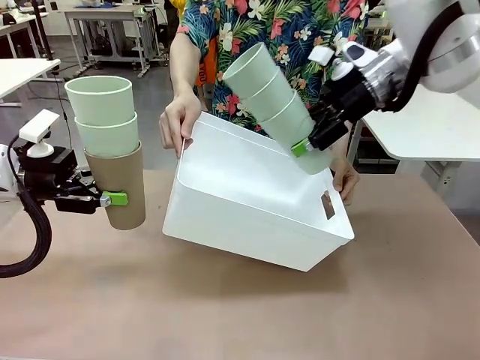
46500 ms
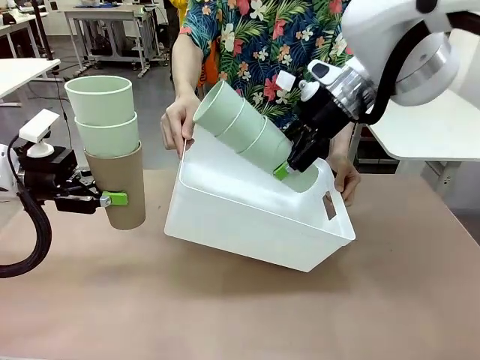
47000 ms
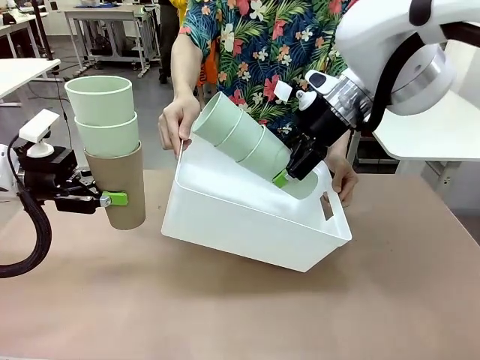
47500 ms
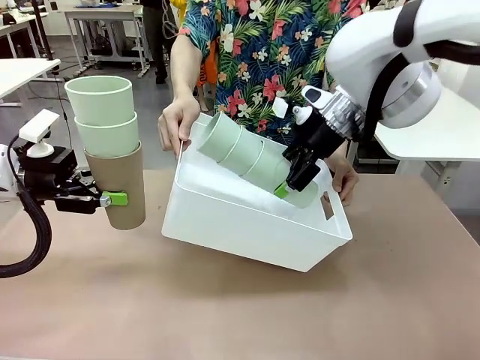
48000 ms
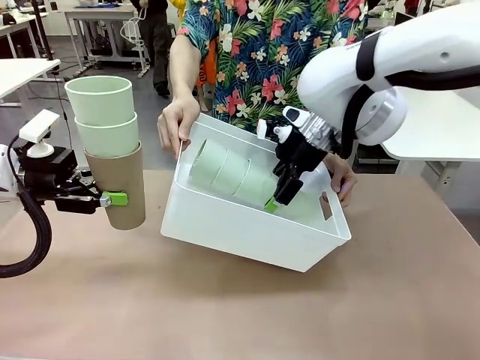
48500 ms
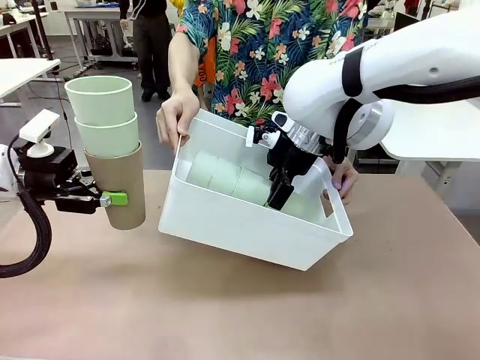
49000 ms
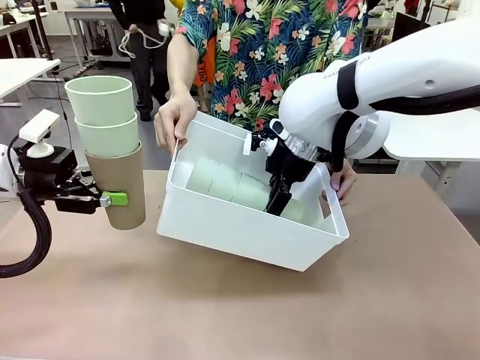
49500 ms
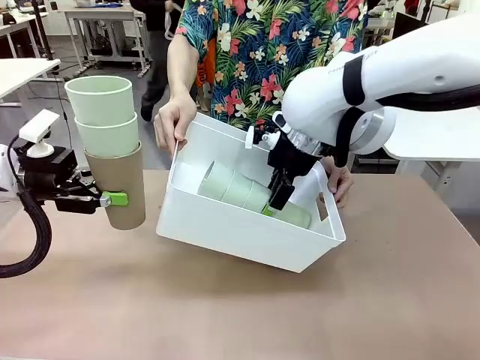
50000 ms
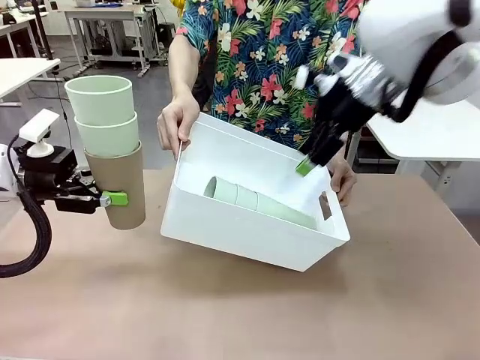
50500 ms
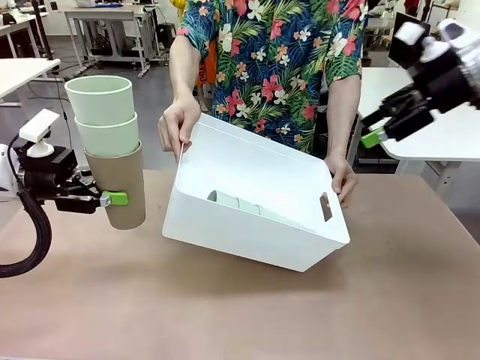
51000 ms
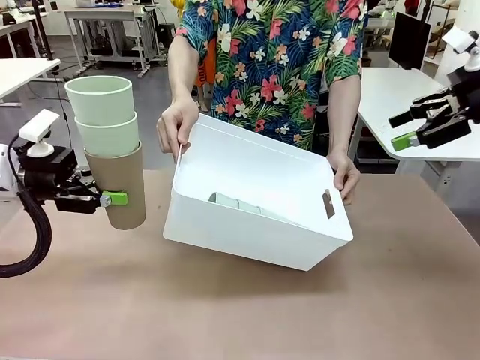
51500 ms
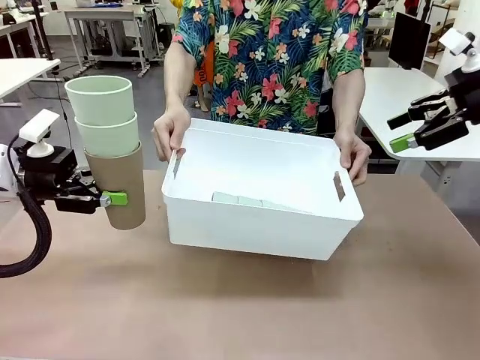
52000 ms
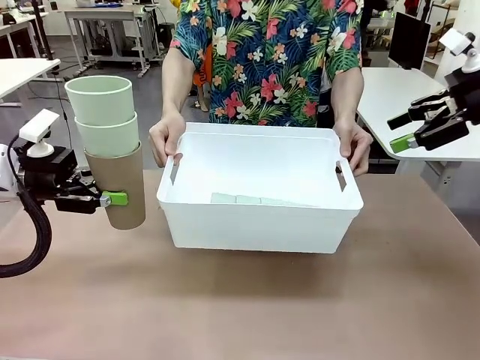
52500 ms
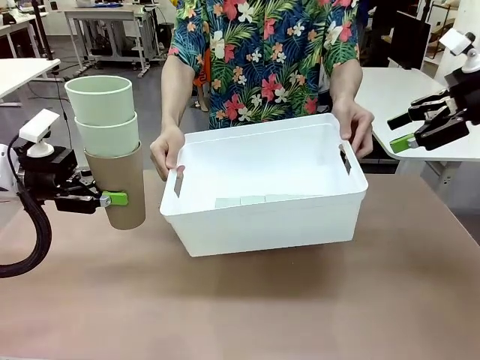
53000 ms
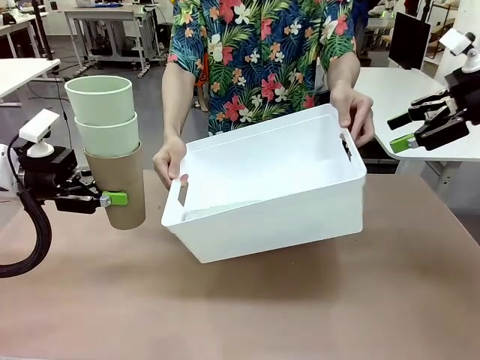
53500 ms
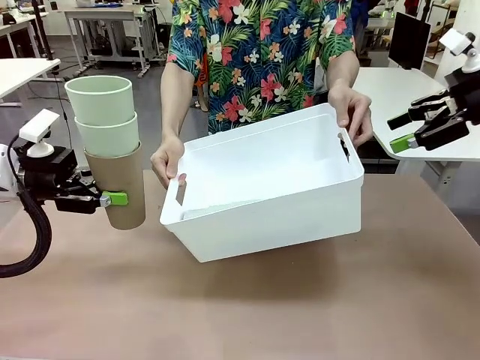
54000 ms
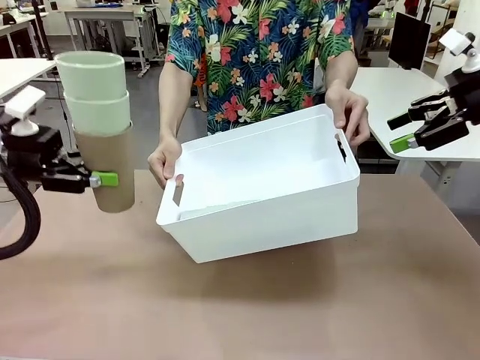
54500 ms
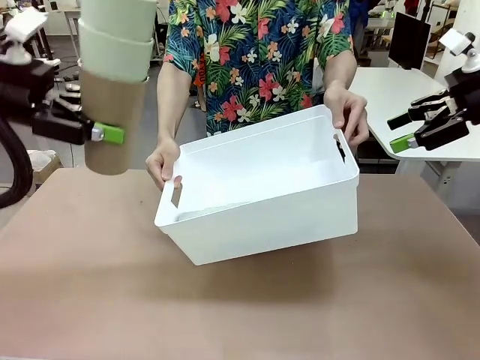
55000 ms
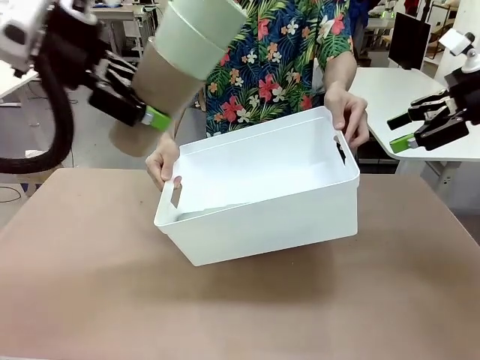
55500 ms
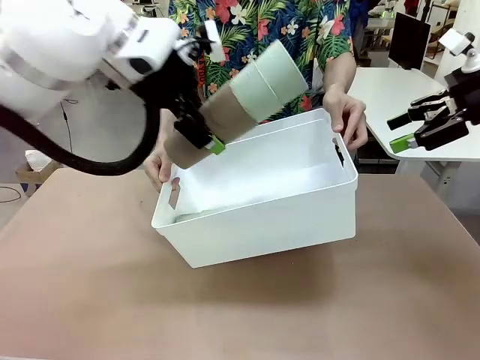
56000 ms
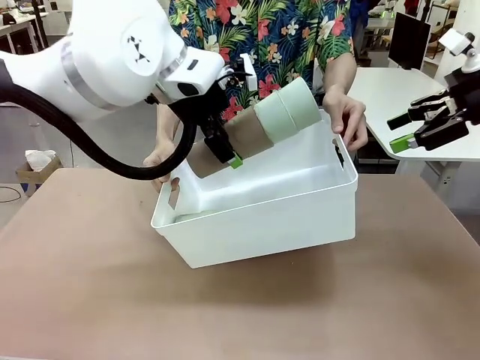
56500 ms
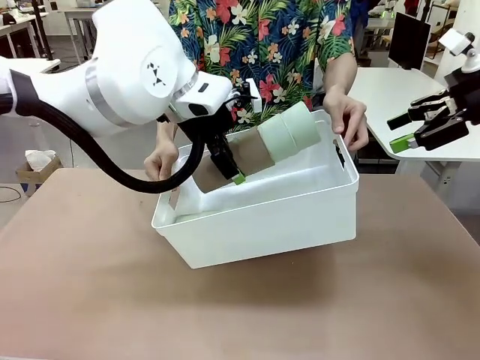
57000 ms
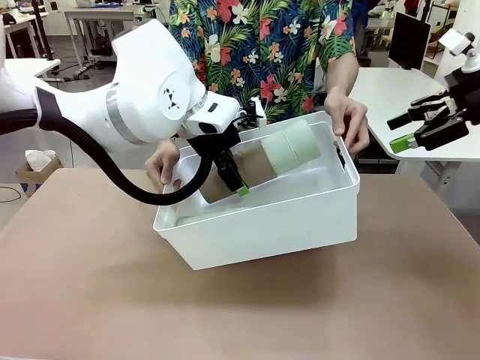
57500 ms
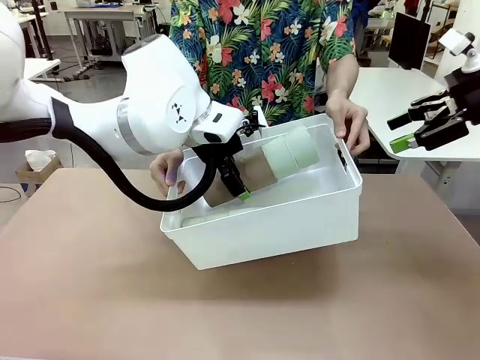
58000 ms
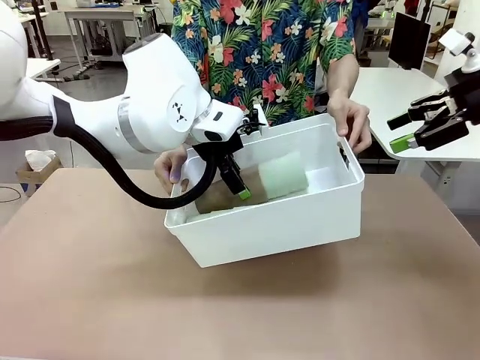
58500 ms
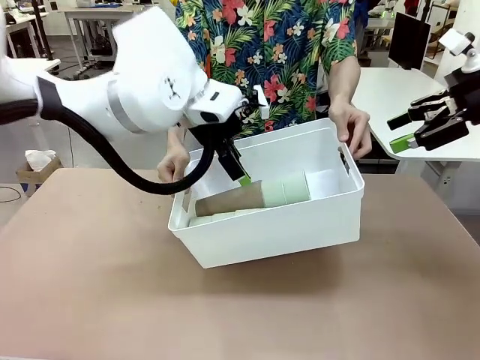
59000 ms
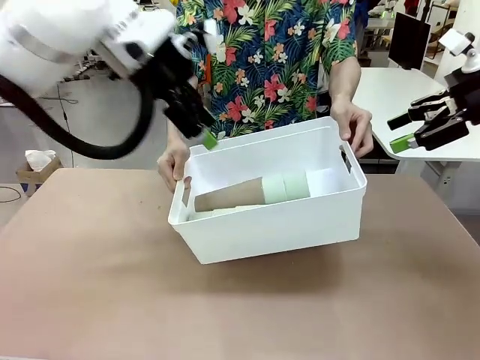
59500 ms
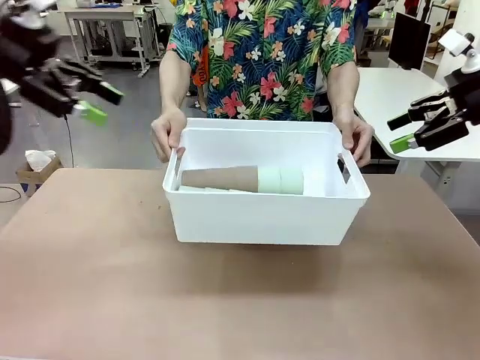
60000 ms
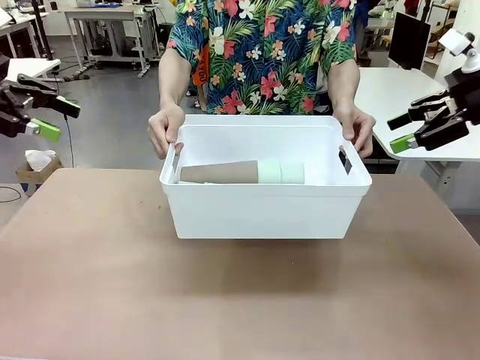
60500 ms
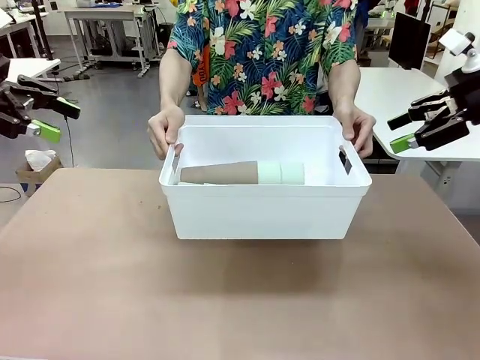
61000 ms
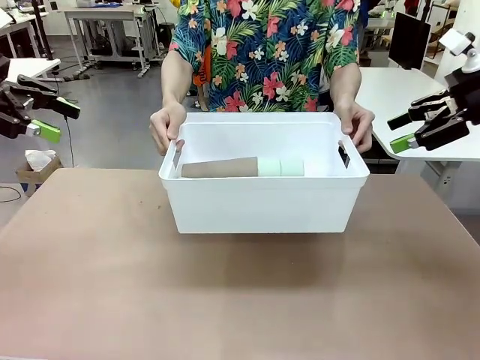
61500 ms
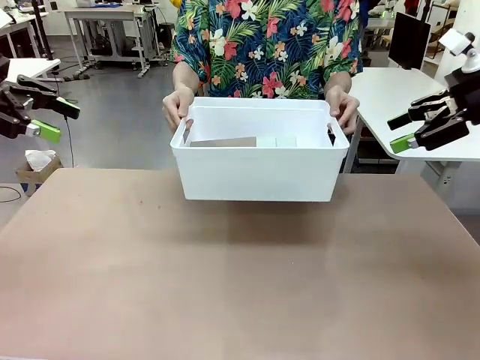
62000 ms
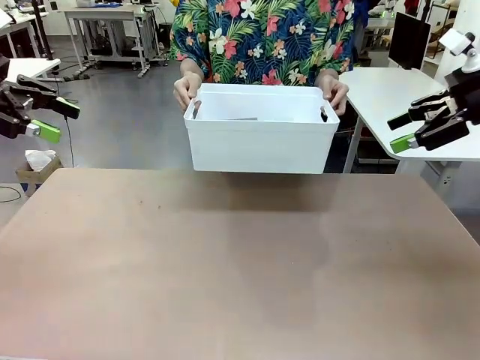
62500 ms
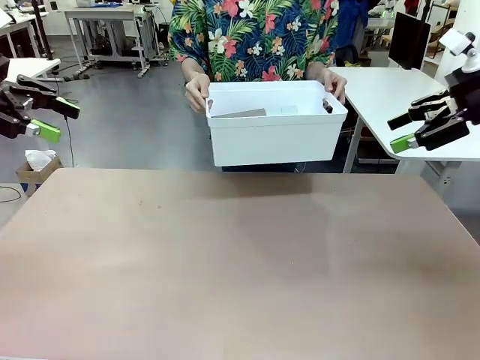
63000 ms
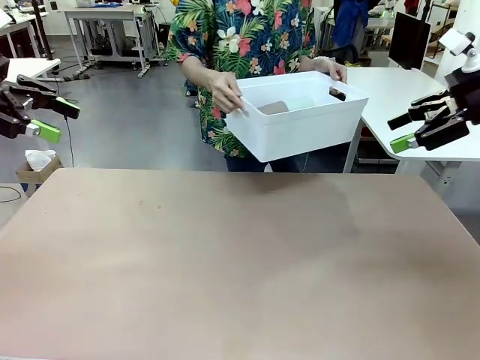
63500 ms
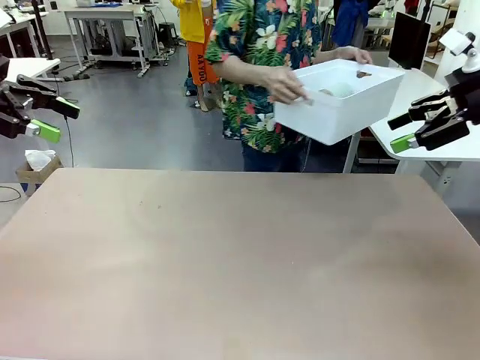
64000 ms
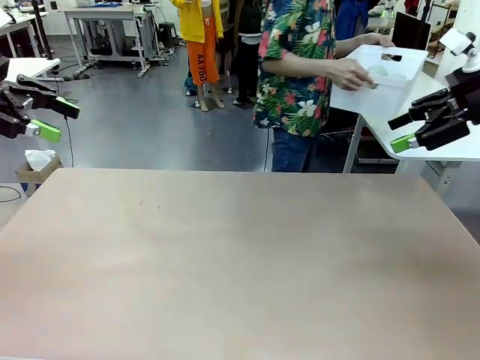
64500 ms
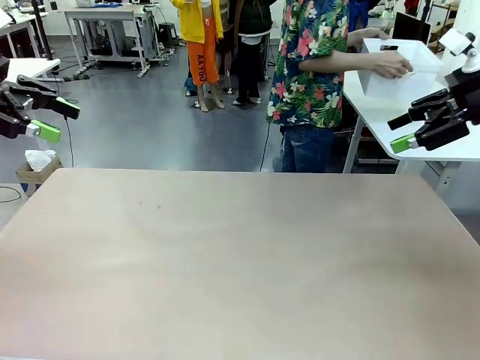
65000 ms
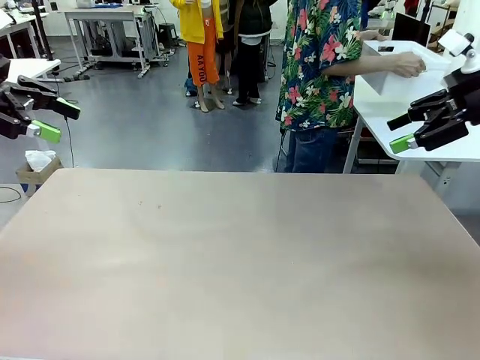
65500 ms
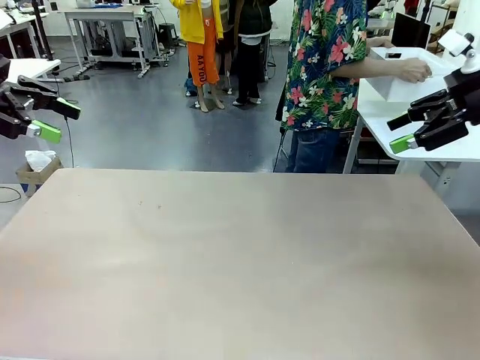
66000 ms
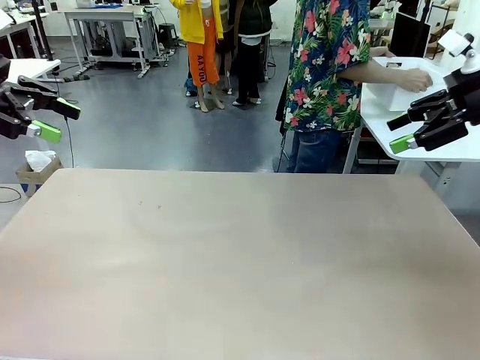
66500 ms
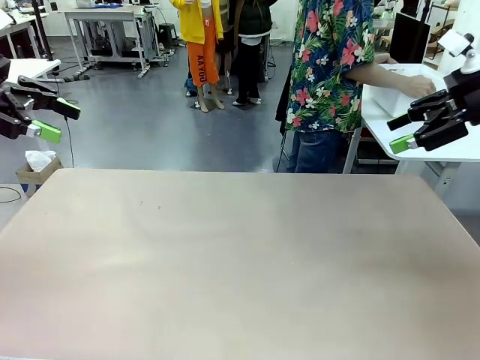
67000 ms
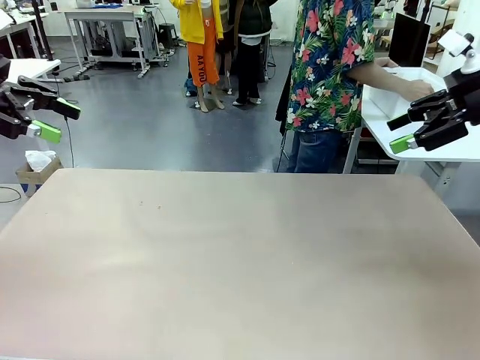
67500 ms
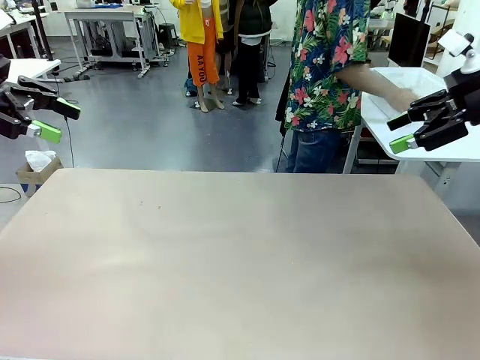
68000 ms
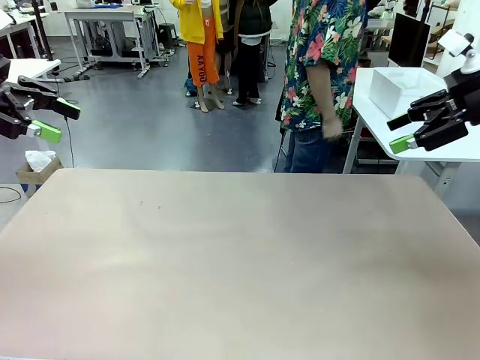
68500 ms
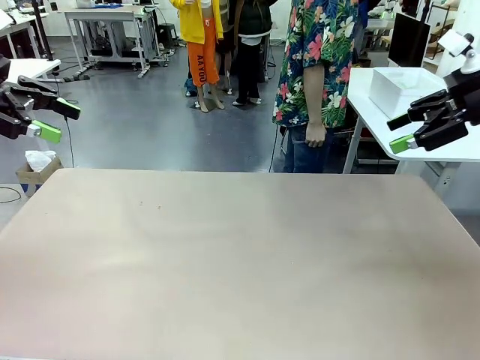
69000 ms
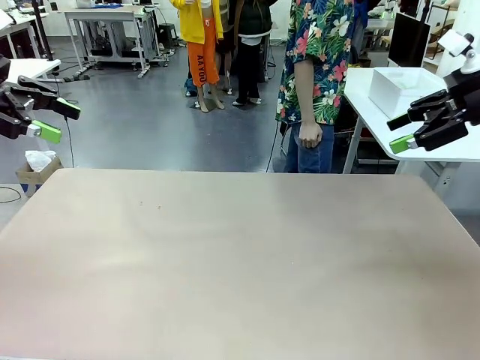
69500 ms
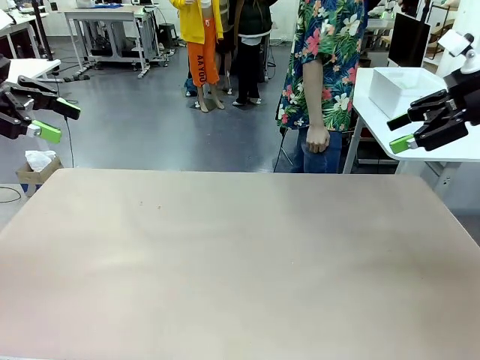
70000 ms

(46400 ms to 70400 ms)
Task: Stack the cups and store them in the basket.
Robot: Place the stack of Reusable plastic cups into the Pantry Basket.
Person: Place the basket containing the cups in the middle of the Human Table.

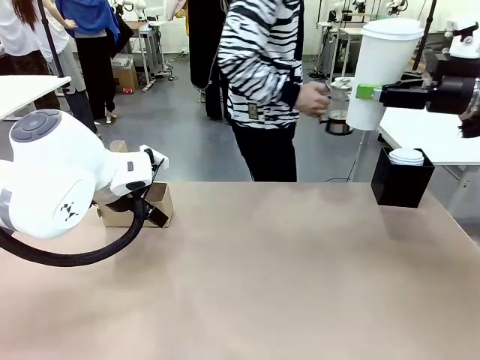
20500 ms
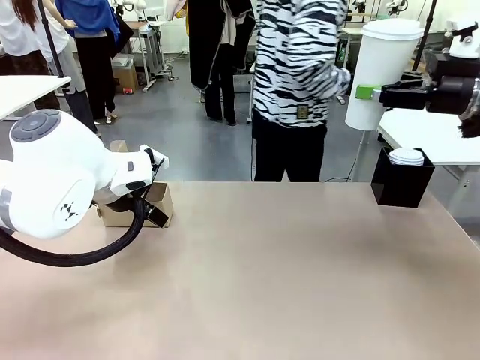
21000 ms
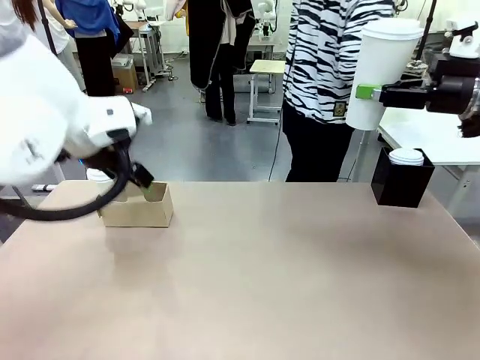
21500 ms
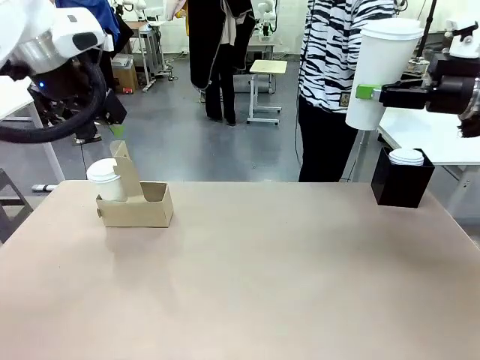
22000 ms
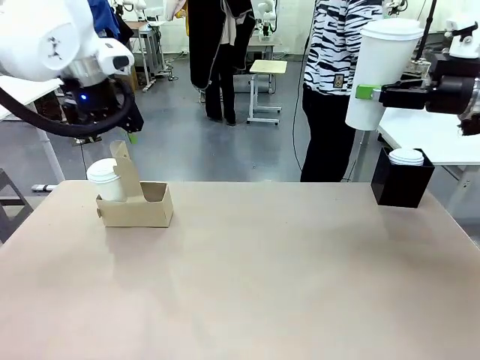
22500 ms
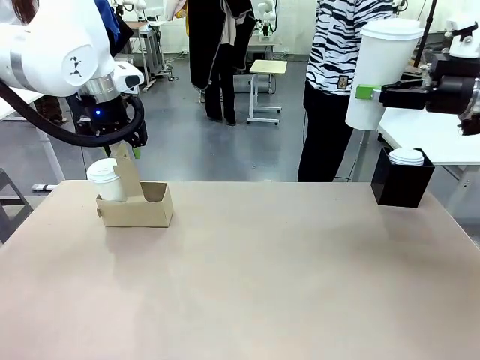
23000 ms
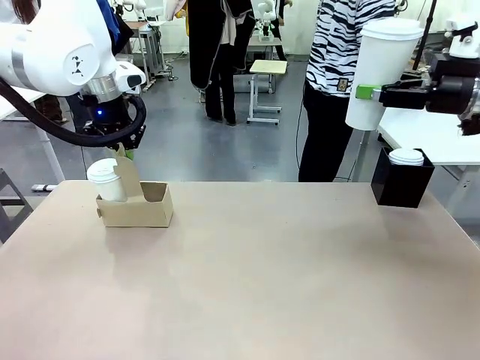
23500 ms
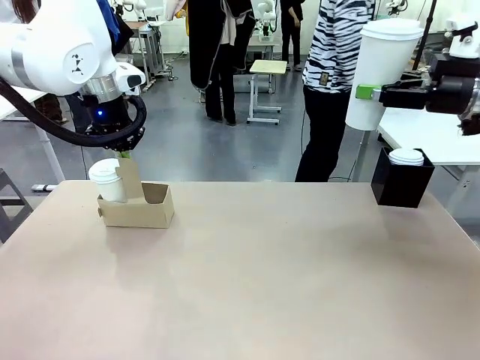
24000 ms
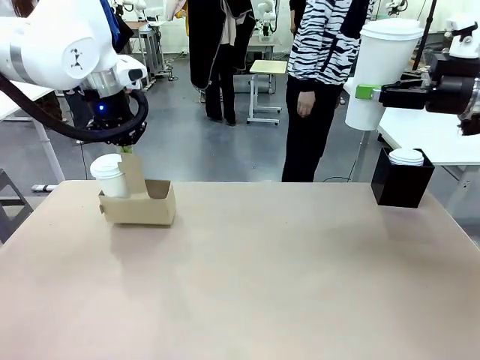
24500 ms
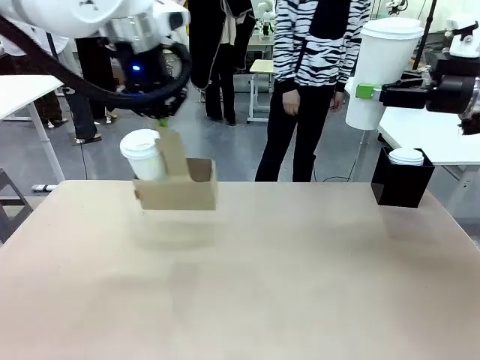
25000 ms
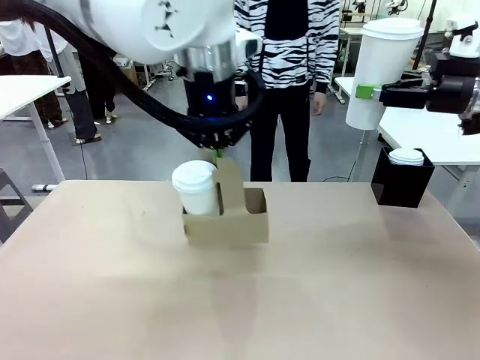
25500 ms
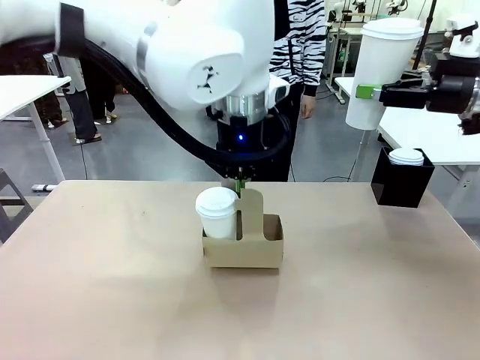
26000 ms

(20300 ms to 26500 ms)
Task: Pour a drink into a cup and package it in a carrier.
Robot: Position the Cup Carrier in the center of the table.
Person: Pick up the Filter Brewing and place on the middle of Human table, and return to the Robot table.
